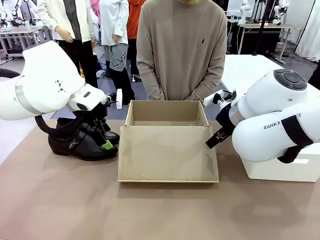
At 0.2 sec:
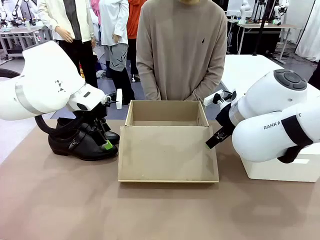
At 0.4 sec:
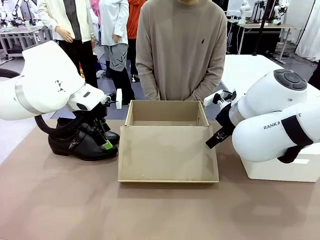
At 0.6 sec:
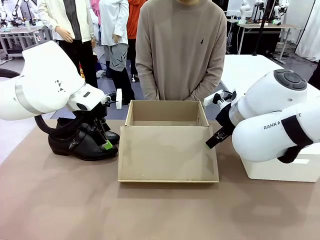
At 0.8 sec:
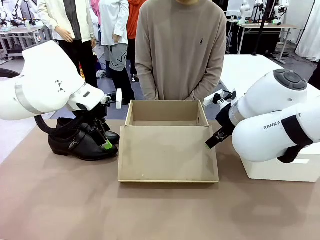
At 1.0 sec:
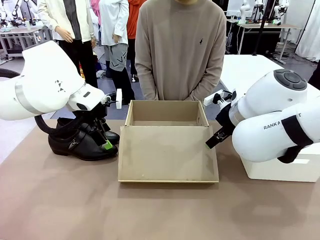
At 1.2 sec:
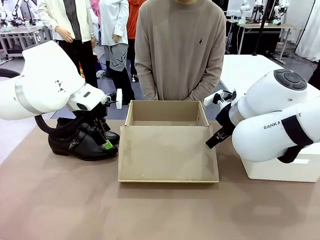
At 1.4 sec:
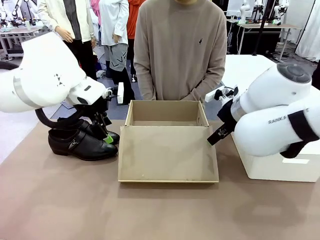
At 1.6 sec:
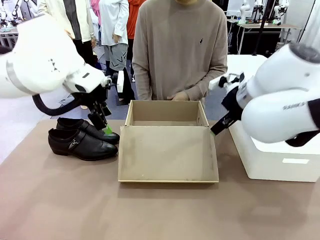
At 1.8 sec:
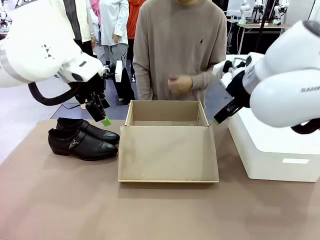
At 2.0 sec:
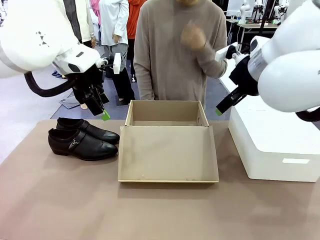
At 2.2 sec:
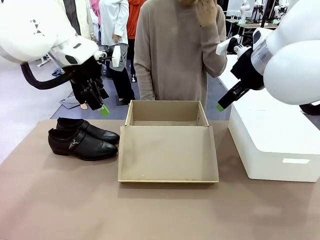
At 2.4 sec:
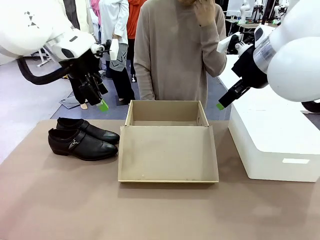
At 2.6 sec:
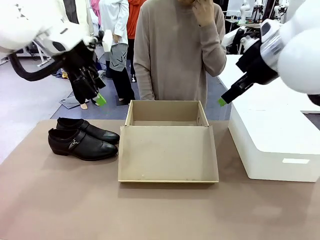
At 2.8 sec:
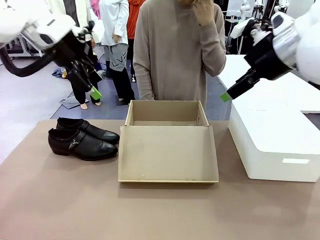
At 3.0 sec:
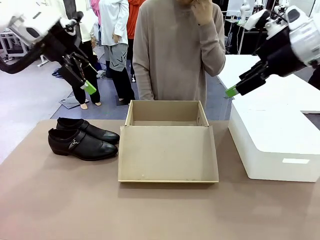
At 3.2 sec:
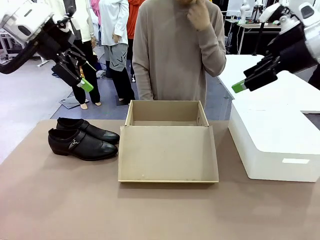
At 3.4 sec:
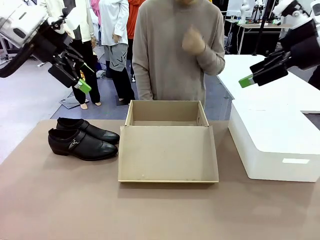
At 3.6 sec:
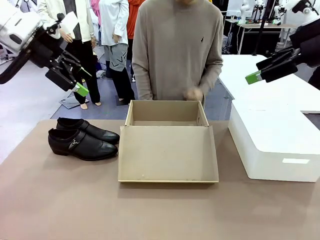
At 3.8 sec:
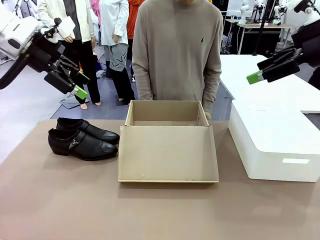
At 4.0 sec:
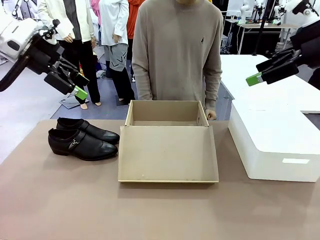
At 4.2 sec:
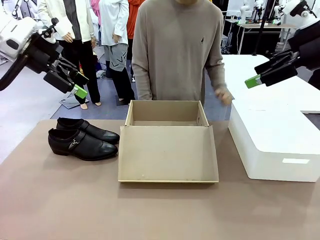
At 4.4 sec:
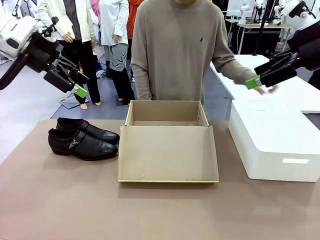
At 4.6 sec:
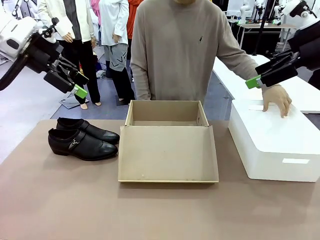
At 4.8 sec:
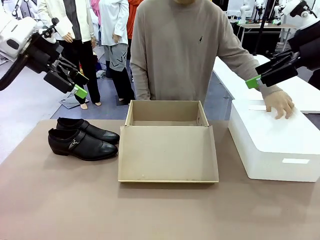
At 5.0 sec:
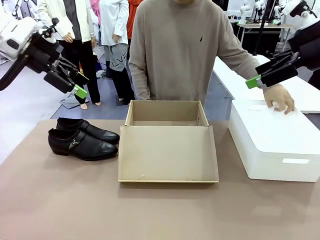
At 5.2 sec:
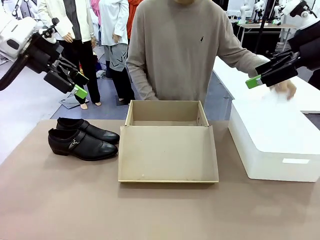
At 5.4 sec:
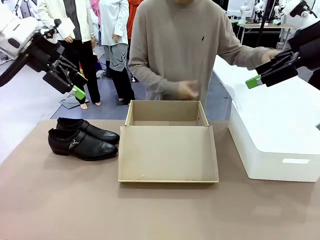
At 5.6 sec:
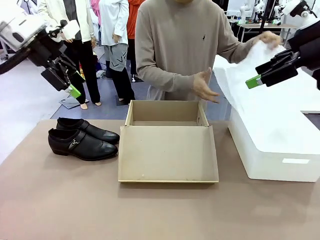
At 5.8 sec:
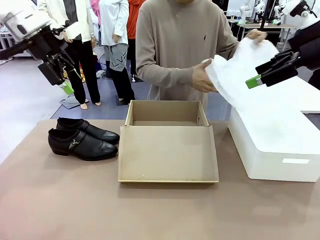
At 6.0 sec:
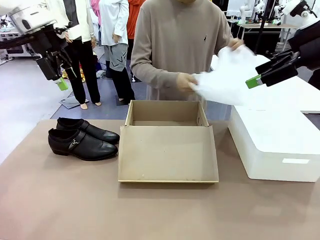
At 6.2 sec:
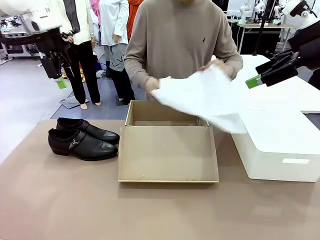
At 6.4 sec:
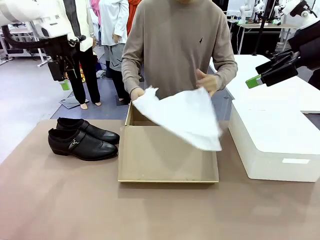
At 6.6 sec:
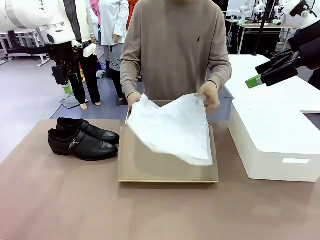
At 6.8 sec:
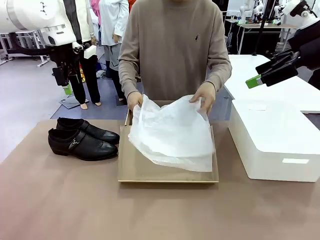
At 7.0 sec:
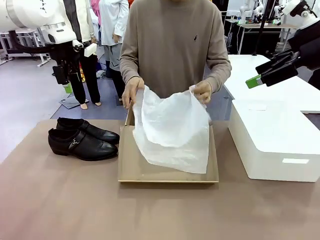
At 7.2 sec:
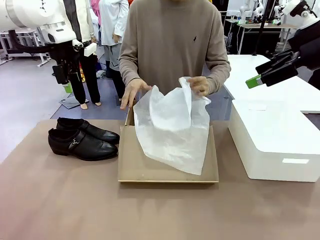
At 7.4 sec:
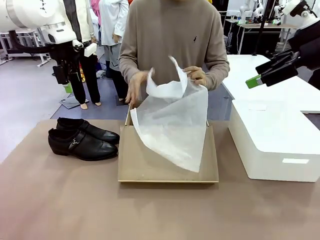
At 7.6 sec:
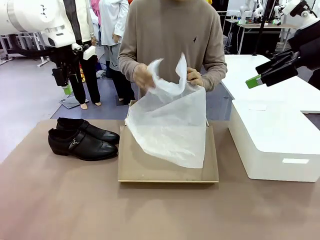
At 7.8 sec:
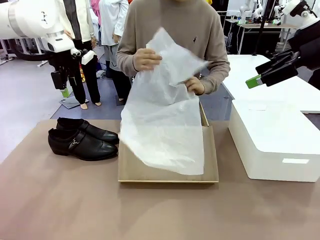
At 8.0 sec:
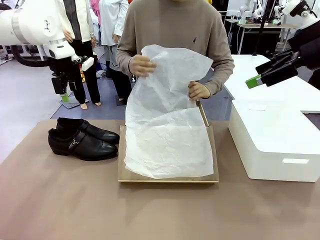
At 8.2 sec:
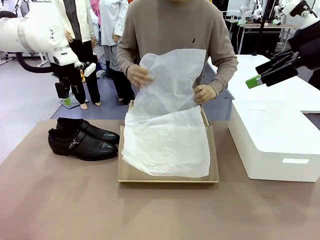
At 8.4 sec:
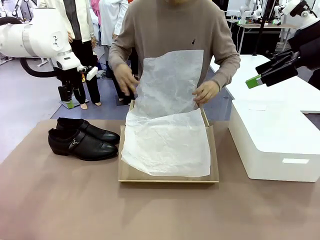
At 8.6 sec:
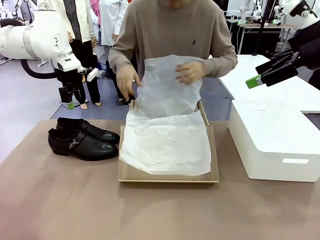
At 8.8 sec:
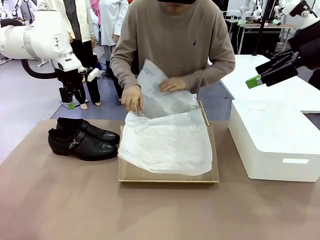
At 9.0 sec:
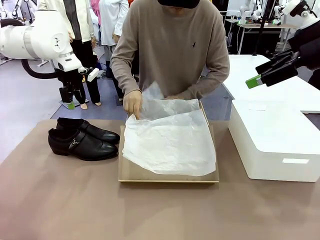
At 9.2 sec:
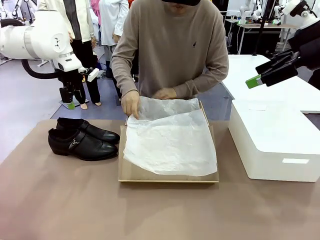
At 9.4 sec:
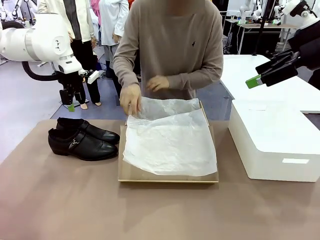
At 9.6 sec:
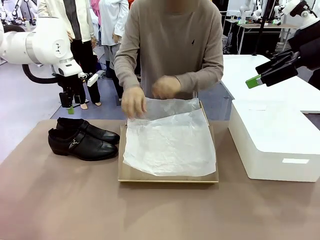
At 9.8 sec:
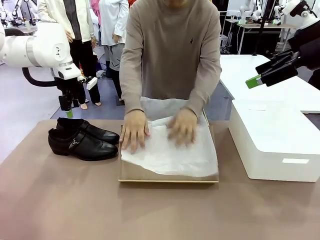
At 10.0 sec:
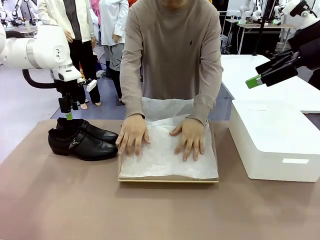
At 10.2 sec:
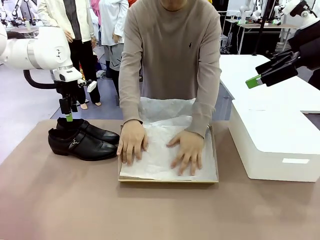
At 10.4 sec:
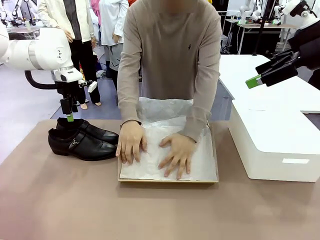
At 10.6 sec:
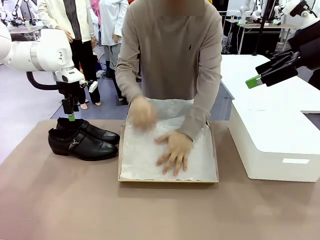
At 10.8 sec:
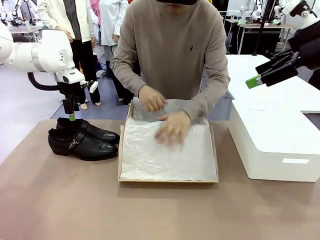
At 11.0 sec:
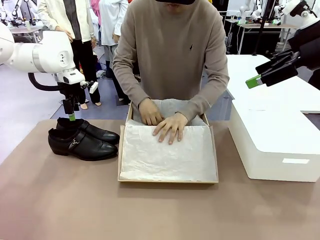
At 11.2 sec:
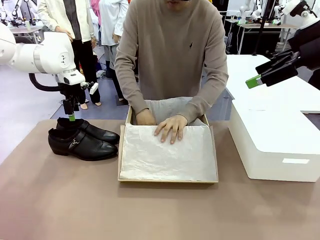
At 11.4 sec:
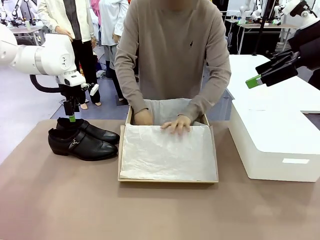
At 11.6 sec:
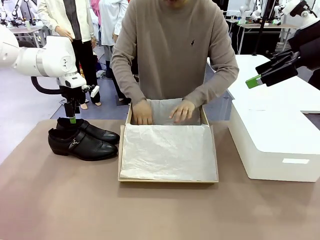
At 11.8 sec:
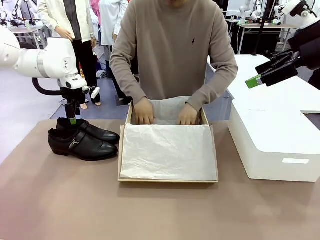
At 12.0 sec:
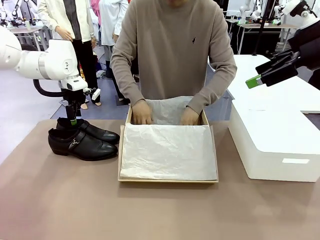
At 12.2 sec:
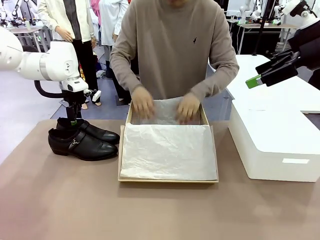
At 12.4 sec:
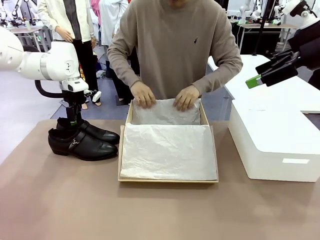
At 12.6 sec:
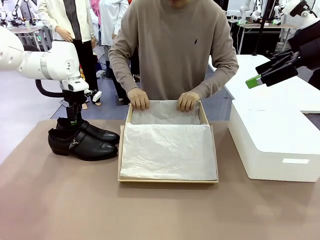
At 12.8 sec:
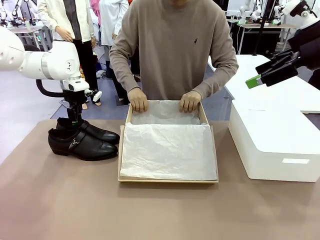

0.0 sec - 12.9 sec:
Task: Pack the shoes into the box.
Robot: Place one shoe of the Shoes into the Shoes Box.
Person: Spread Shoes Wrapping Paper and place inside the Shoes Box.
